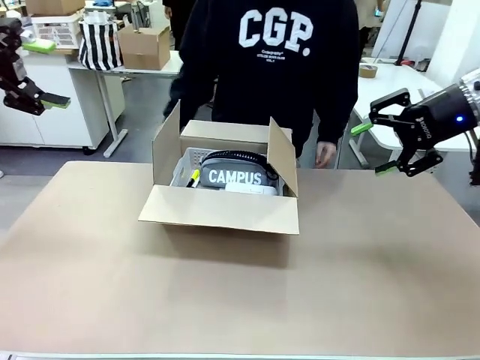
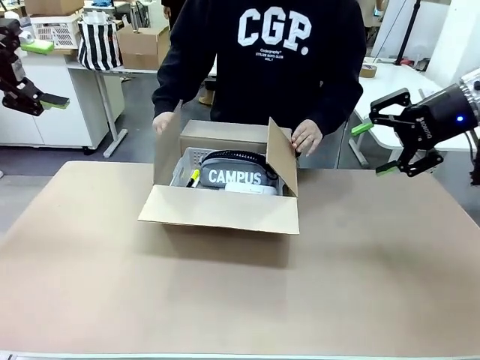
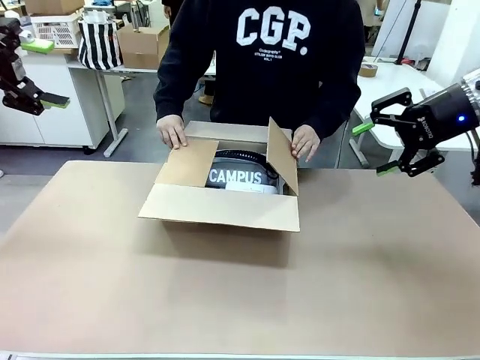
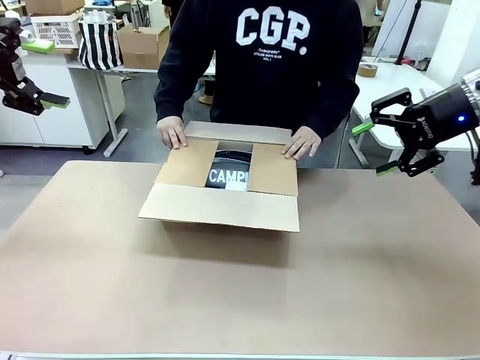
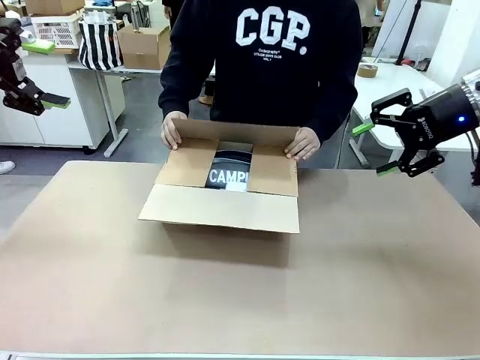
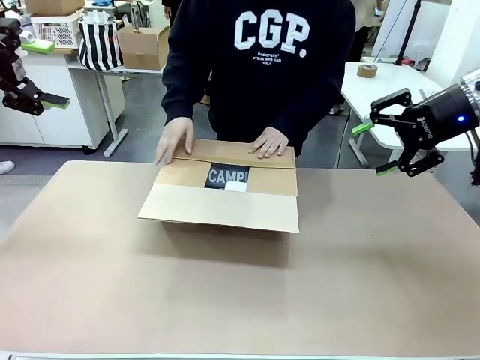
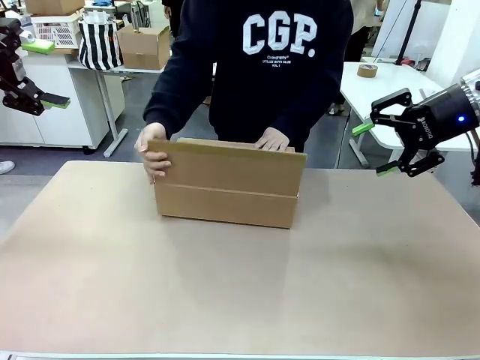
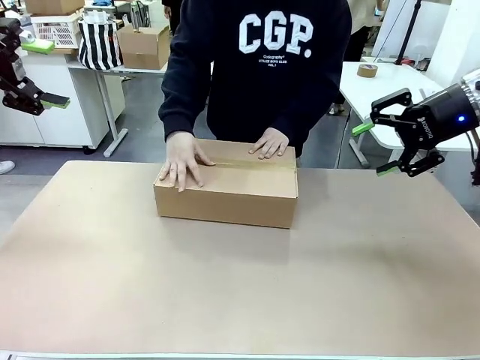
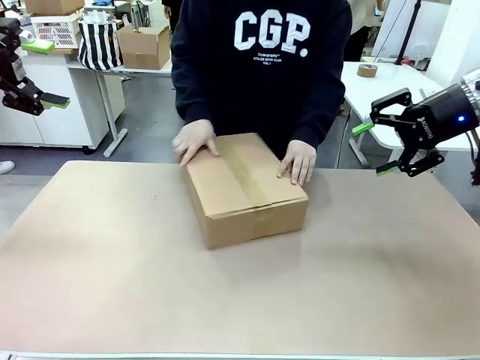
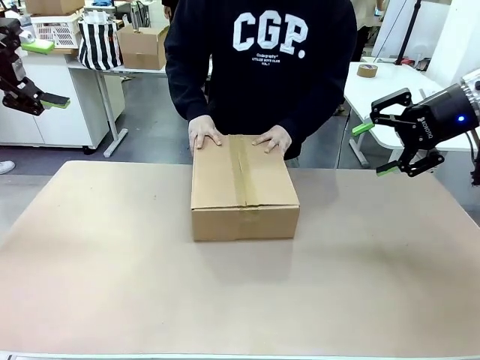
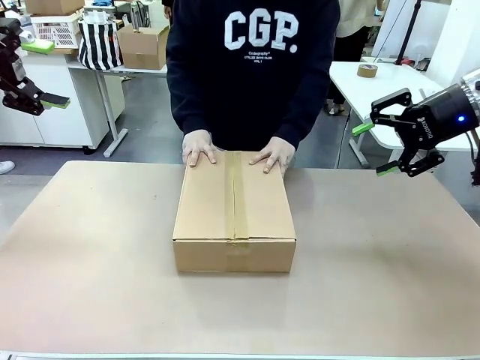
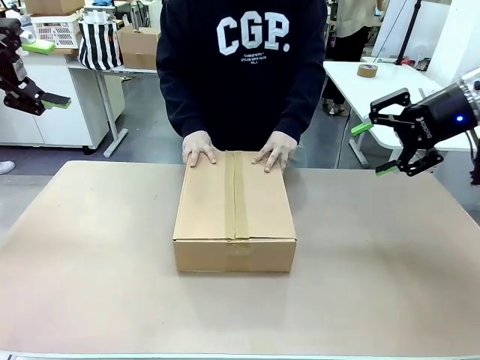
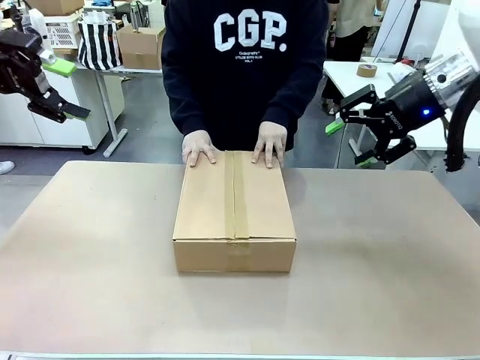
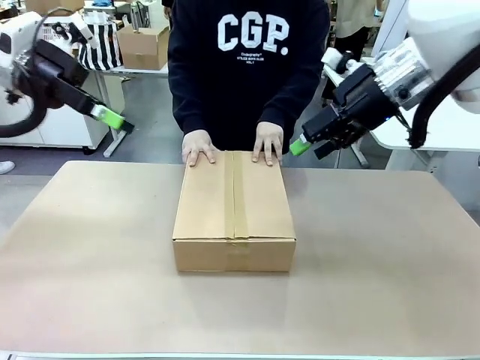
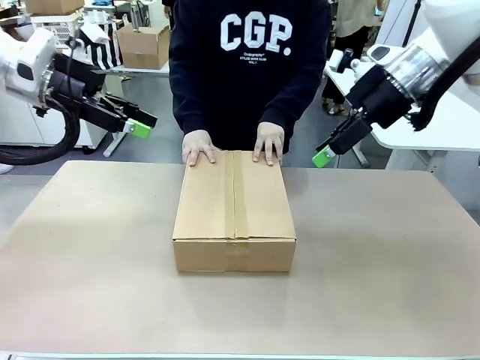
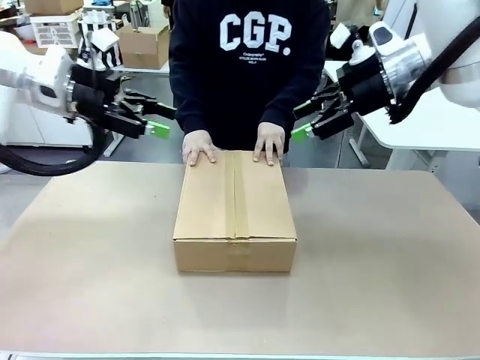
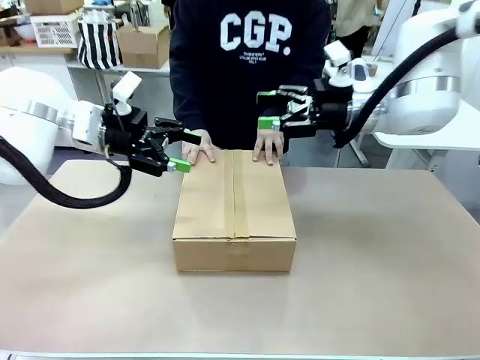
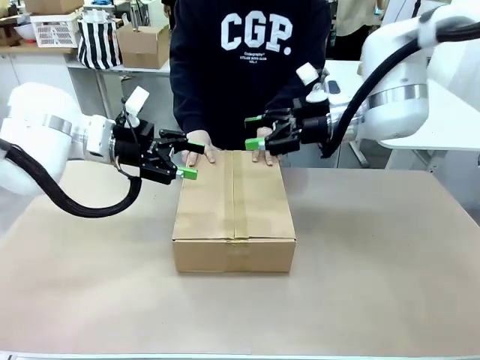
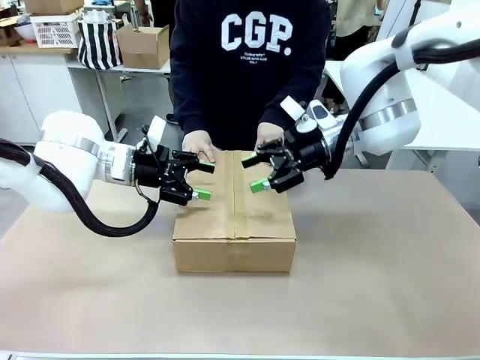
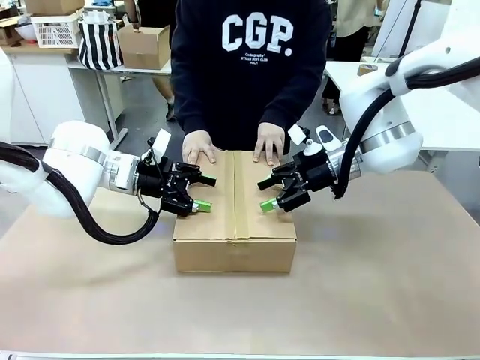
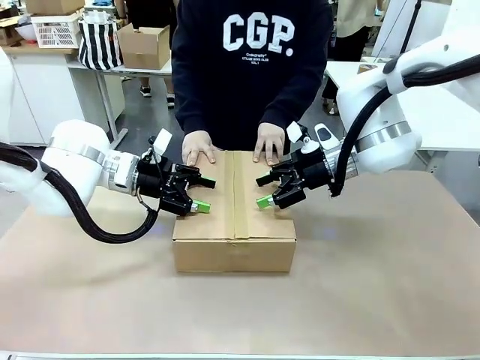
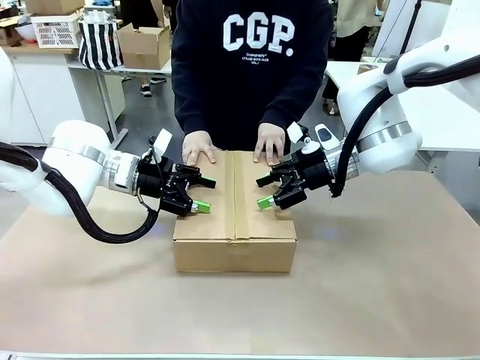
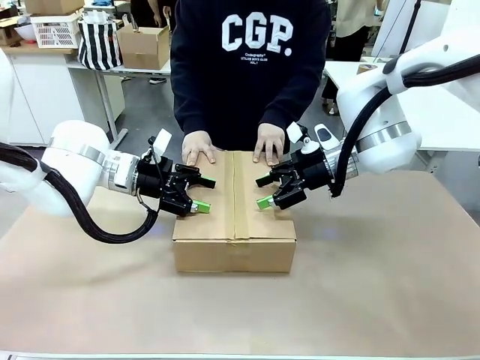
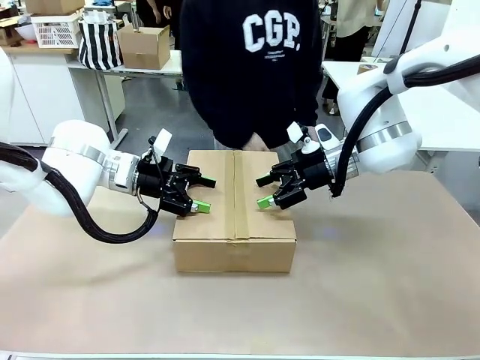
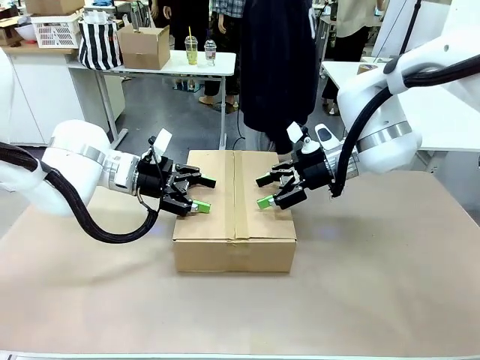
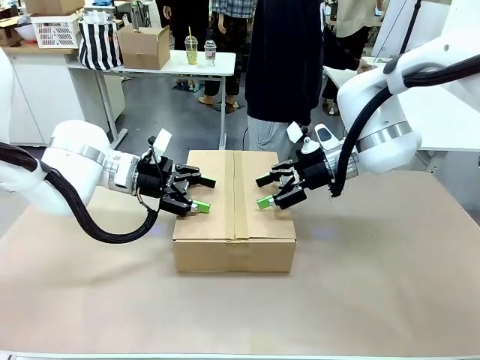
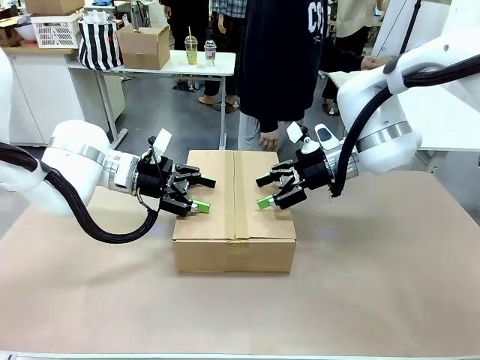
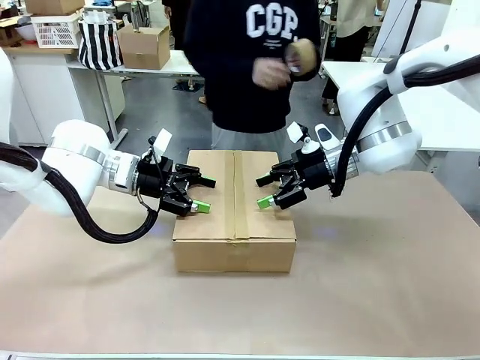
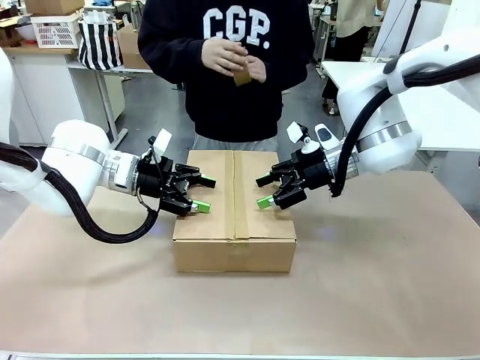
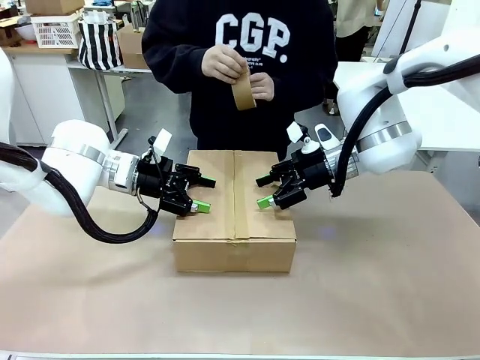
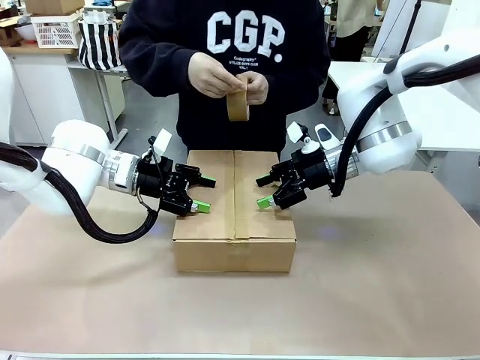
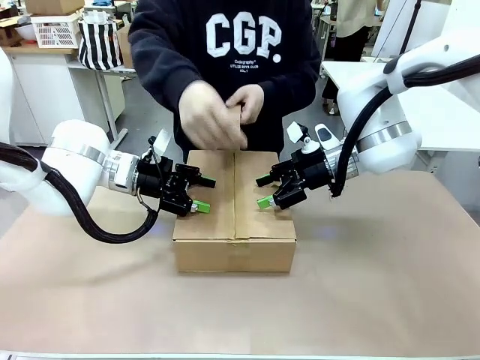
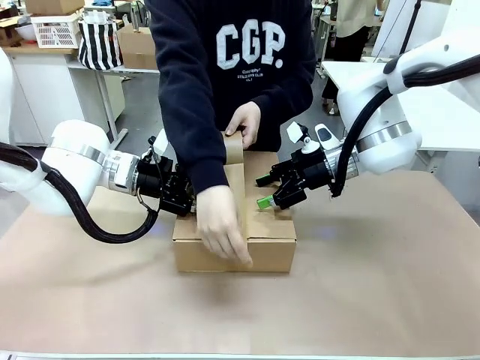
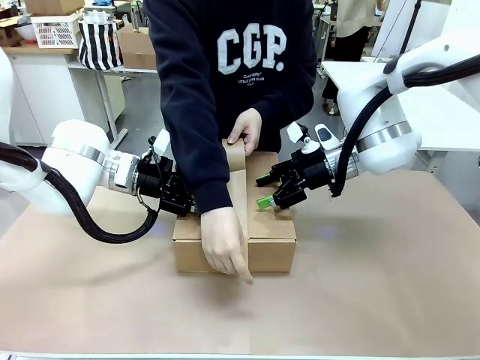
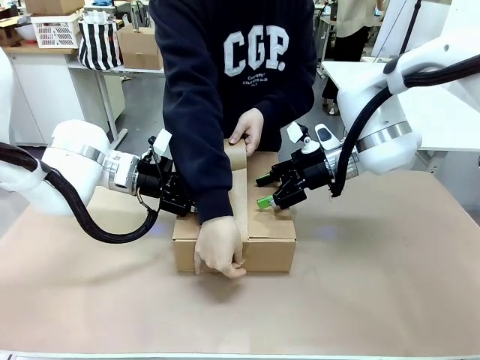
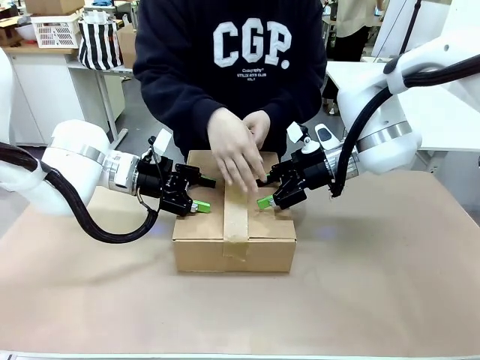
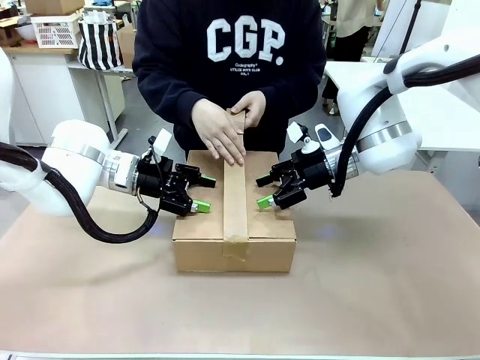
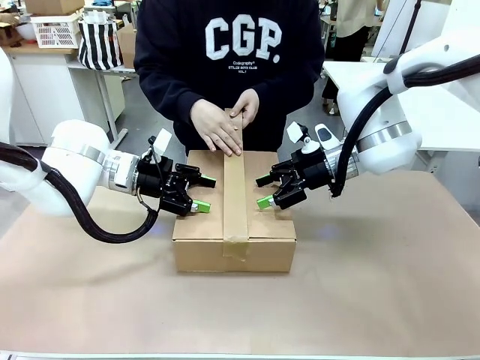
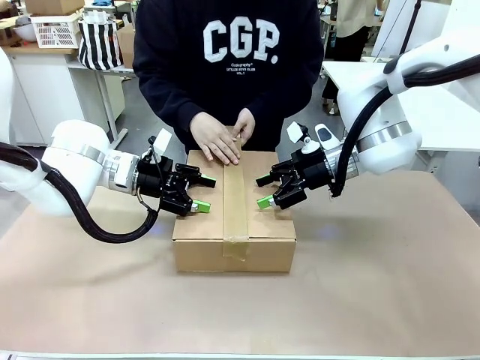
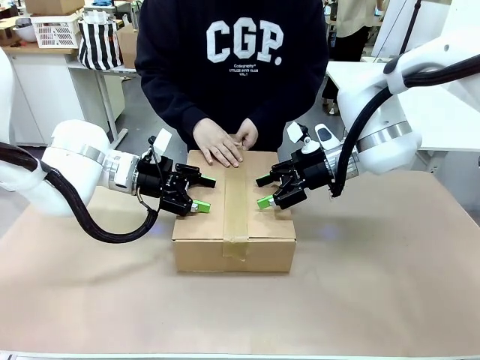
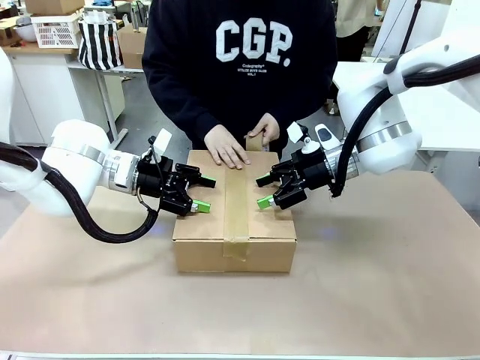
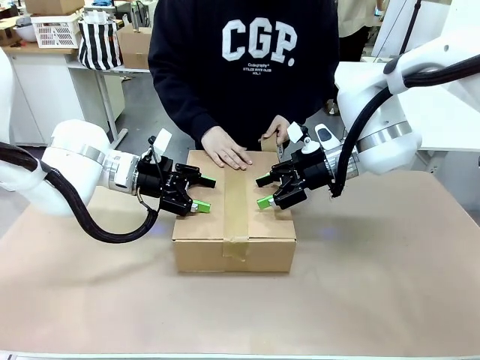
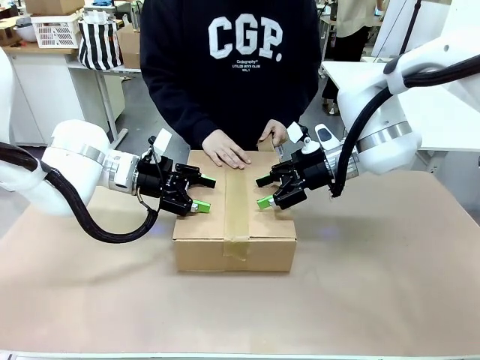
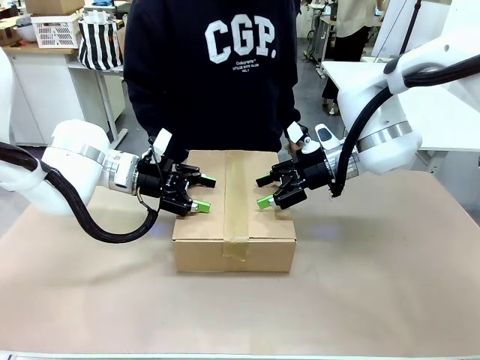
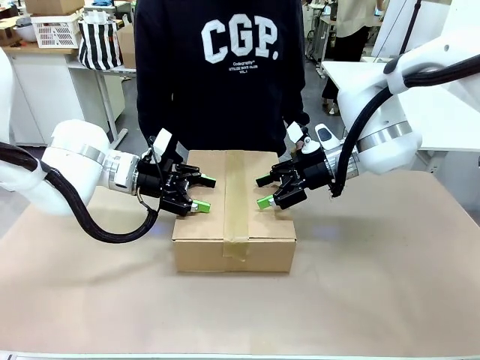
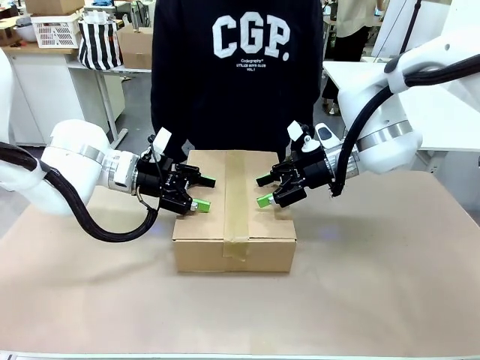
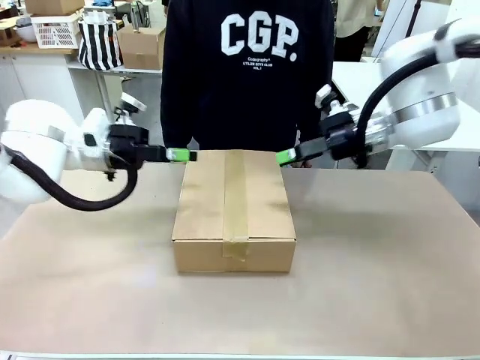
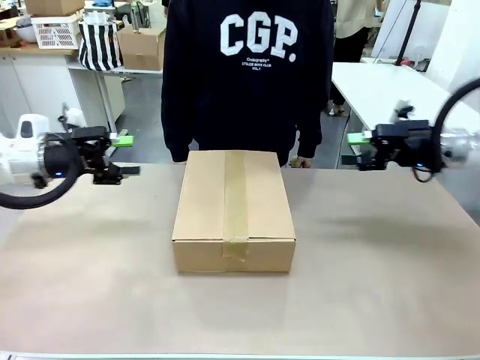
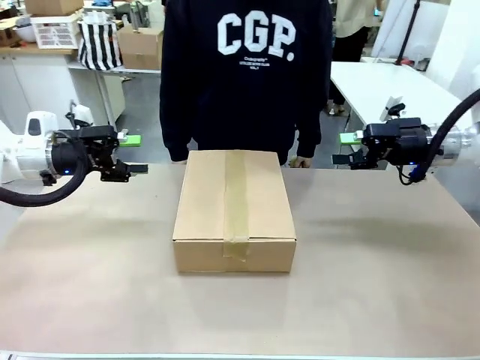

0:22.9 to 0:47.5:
Task: Pack the gift set into the box.
Robot: Press and hold the closed box until the human finishes sealing it.
Person: The human closes the box and rotates the box by 90 degrees. The human picks up the paper tape from the human table and packs the box.
